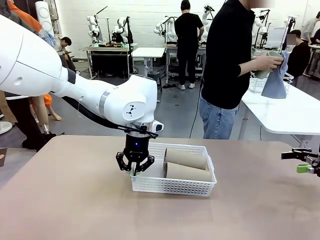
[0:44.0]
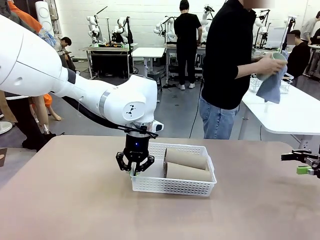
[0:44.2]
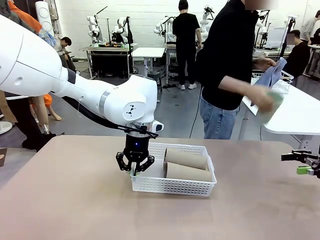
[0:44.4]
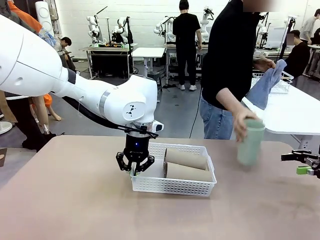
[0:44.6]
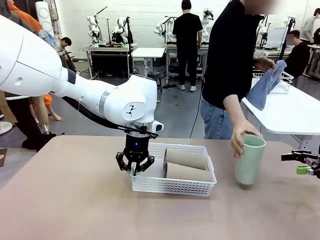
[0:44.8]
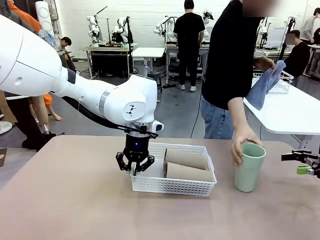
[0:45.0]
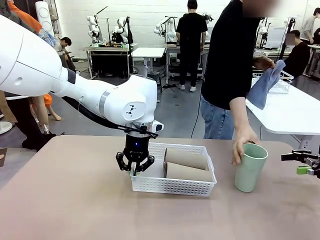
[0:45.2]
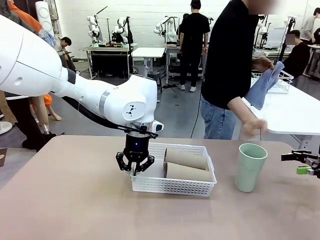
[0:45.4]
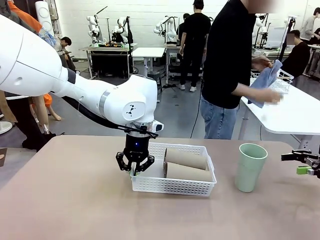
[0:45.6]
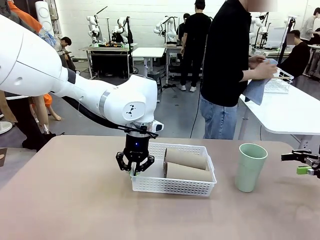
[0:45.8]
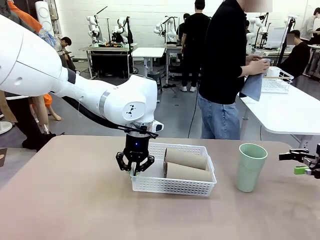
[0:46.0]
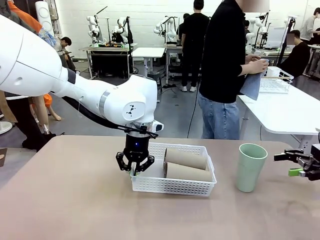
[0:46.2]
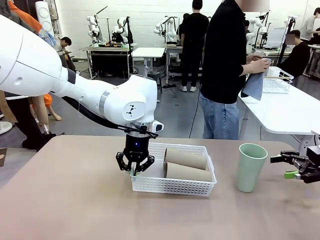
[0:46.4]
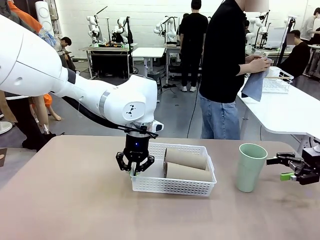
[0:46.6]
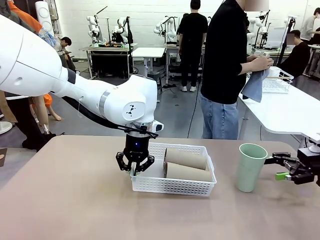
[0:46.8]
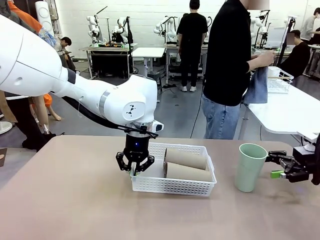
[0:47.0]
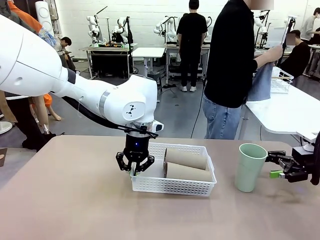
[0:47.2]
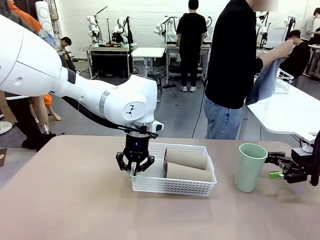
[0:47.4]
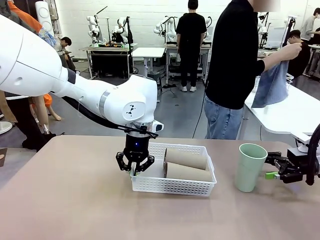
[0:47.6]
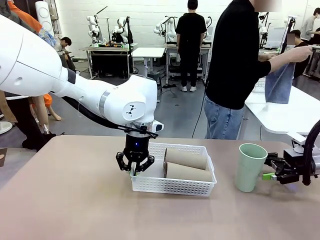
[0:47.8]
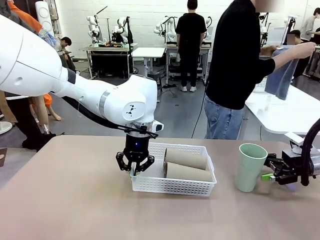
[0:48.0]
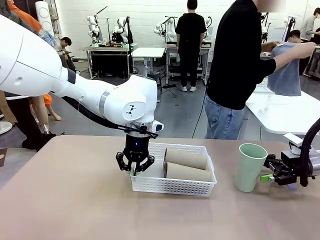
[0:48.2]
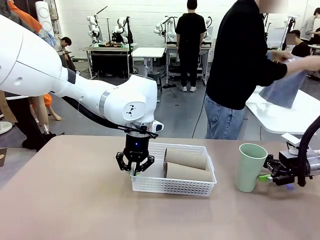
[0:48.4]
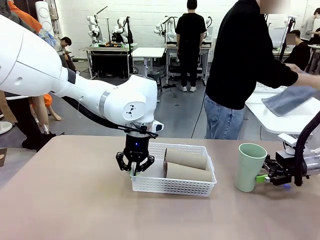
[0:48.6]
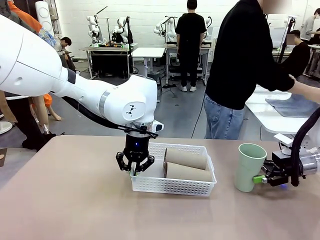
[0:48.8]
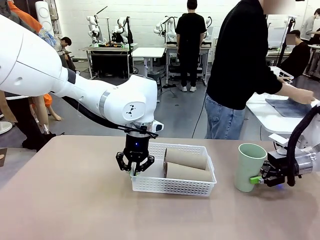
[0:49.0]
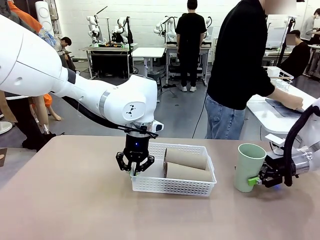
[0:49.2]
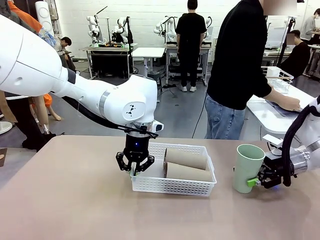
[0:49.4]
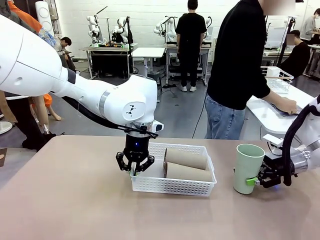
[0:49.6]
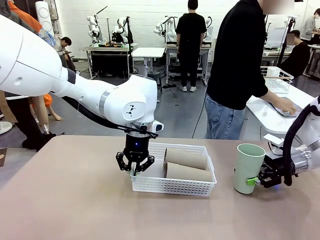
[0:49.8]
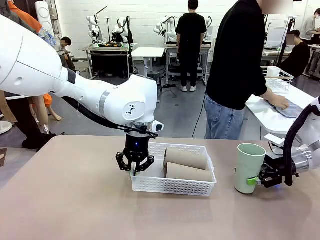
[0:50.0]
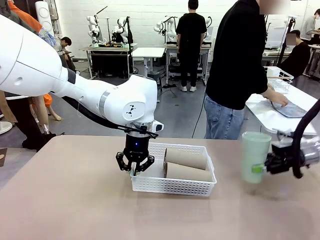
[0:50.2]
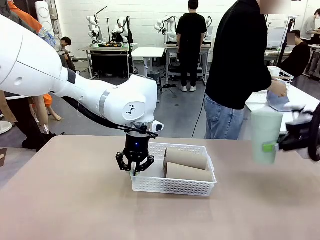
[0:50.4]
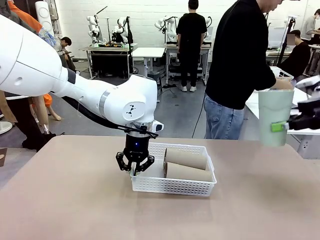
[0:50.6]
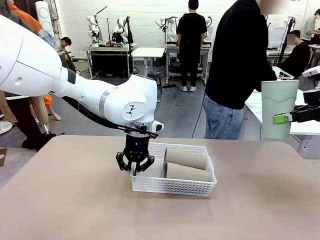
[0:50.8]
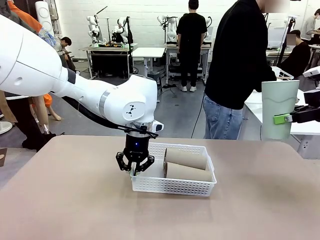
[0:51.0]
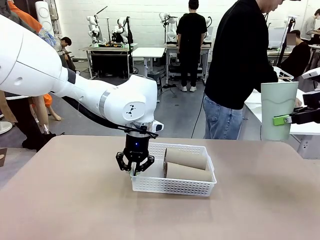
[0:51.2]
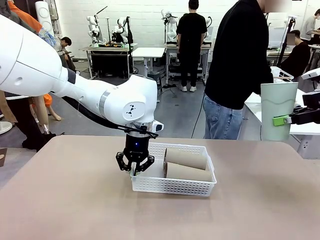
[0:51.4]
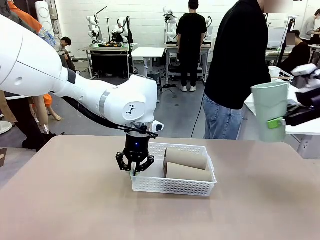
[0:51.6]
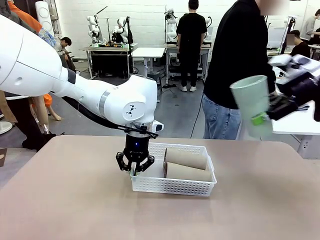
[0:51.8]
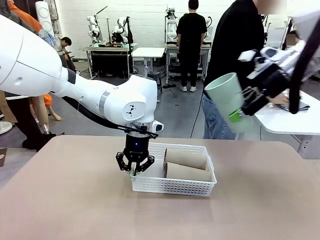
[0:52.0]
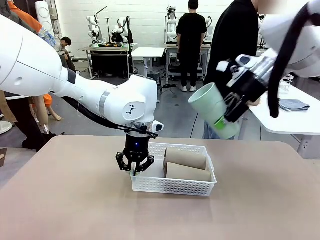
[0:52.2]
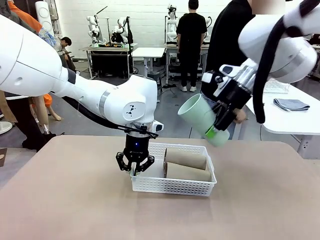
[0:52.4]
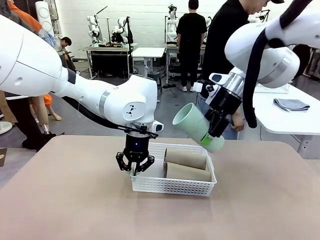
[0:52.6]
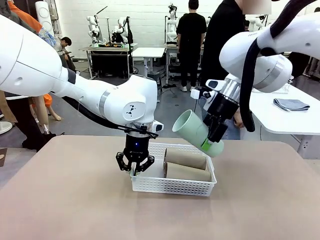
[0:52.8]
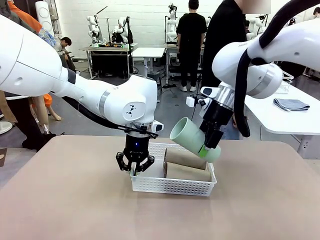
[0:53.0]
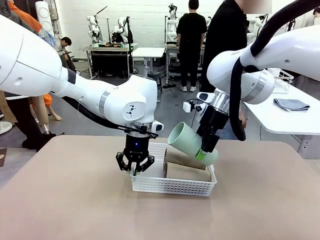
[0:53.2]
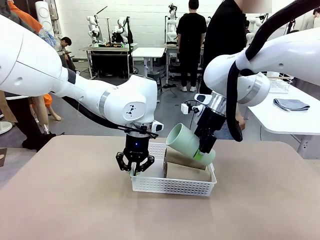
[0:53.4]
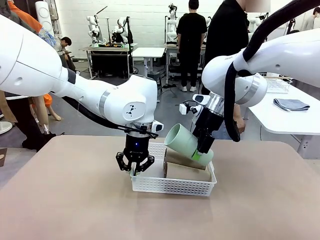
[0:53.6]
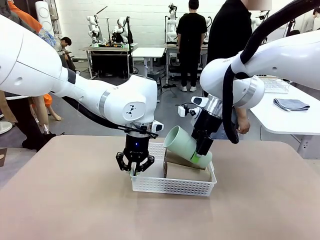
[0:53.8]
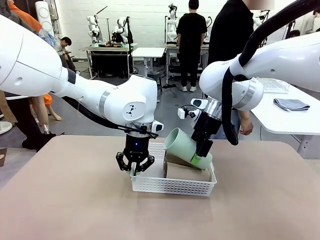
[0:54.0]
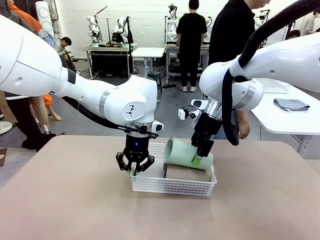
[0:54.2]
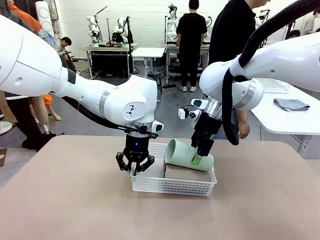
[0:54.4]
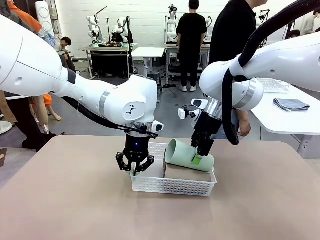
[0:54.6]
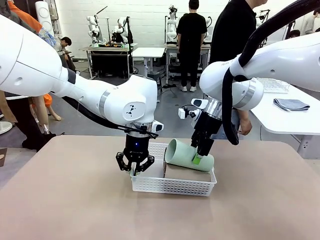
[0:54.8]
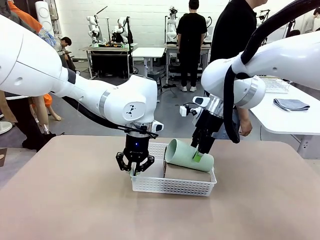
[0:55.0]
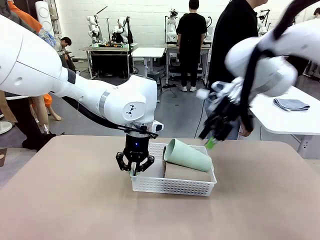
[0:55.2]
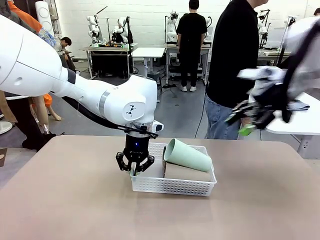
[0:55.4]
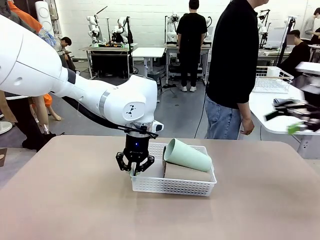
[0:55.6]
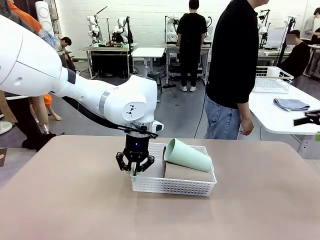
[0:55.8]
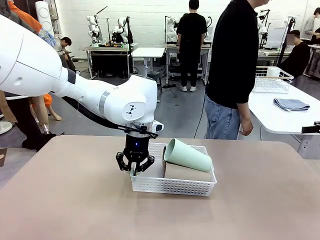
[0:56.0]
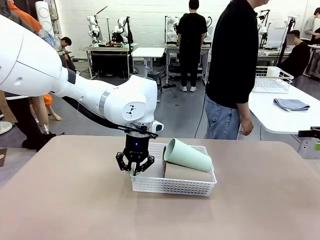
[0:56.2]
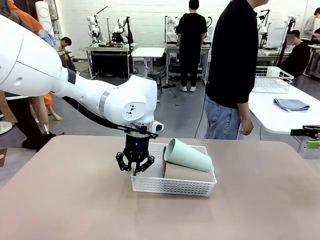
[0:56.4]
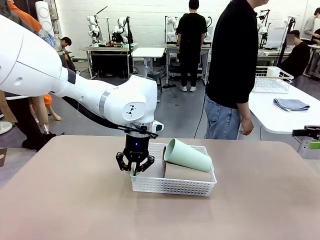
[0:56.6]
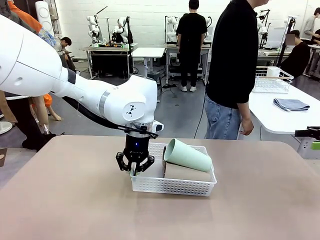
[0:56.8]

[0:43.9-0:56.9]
Task: Clean and organize the cups into the basket.
Robot: Pick up the Reusable plastic cup from the right side of the table and stack it inside the Organizing basket in the center of the table.

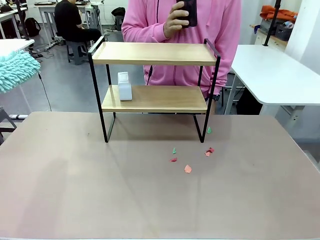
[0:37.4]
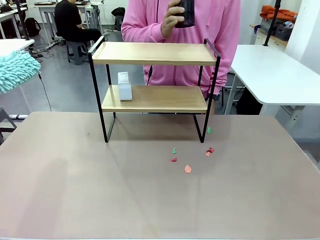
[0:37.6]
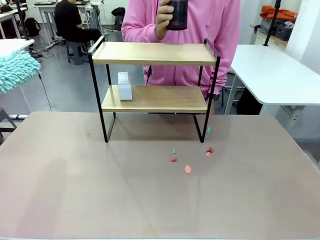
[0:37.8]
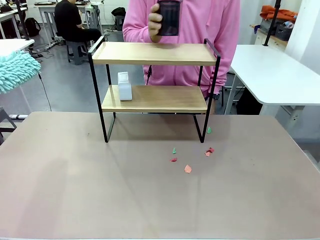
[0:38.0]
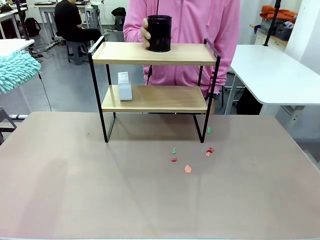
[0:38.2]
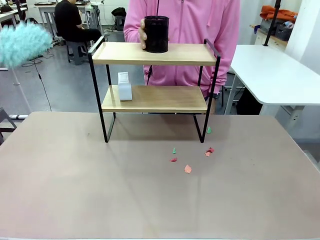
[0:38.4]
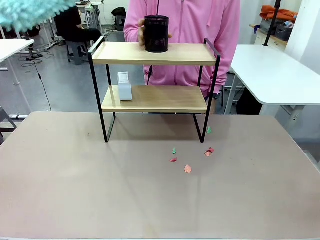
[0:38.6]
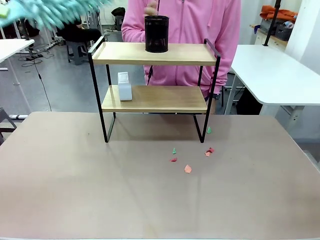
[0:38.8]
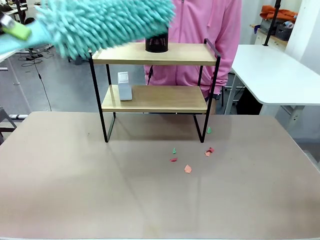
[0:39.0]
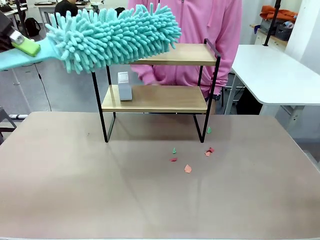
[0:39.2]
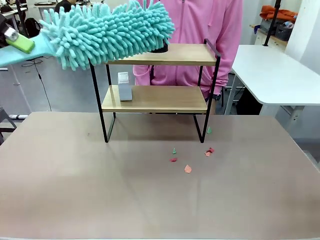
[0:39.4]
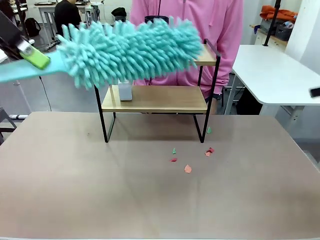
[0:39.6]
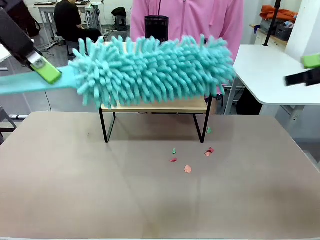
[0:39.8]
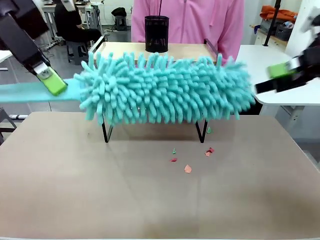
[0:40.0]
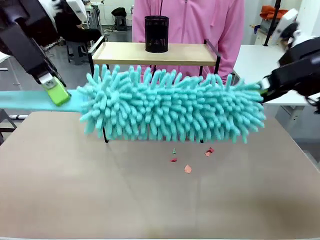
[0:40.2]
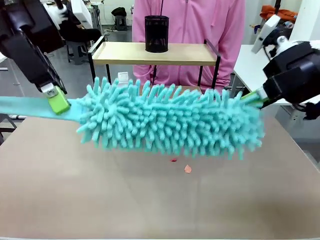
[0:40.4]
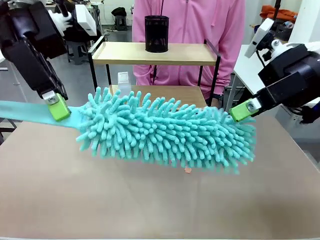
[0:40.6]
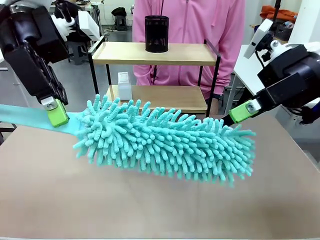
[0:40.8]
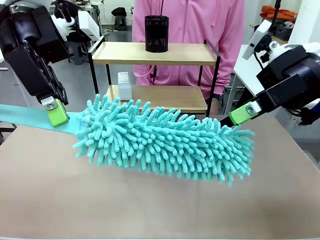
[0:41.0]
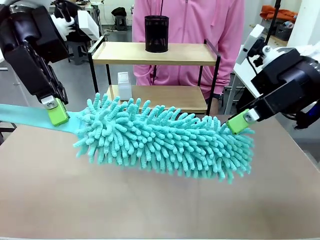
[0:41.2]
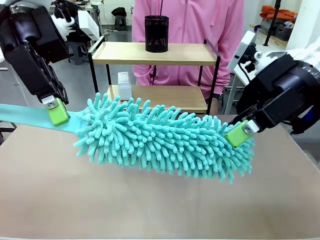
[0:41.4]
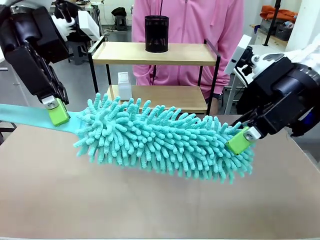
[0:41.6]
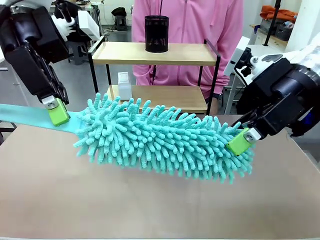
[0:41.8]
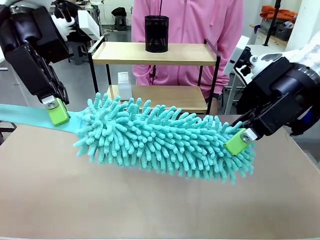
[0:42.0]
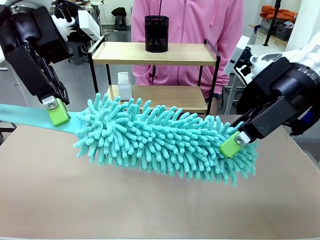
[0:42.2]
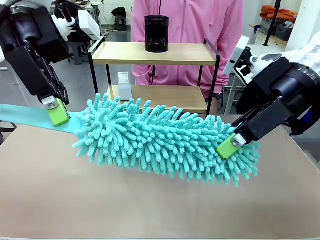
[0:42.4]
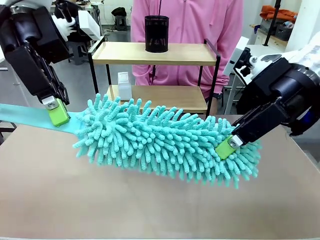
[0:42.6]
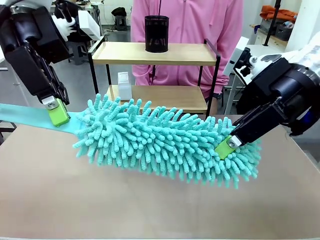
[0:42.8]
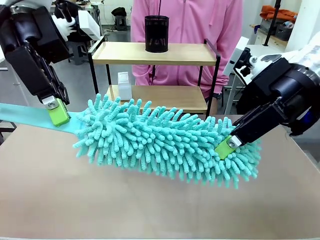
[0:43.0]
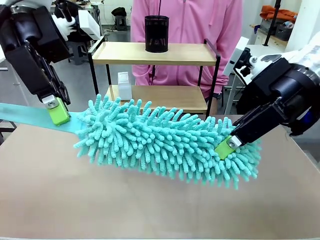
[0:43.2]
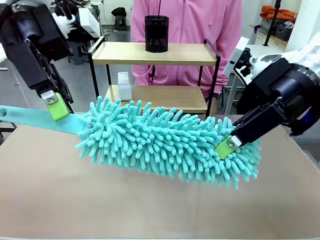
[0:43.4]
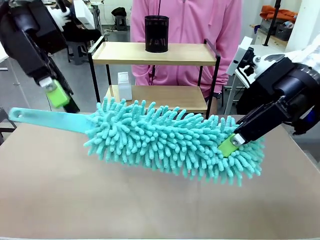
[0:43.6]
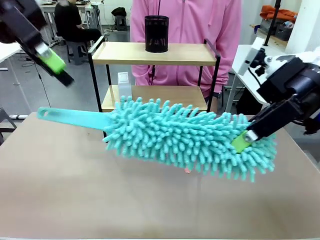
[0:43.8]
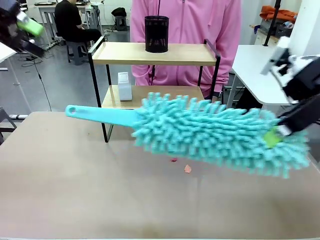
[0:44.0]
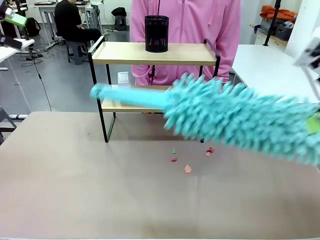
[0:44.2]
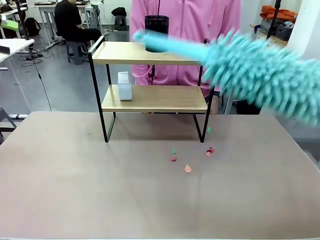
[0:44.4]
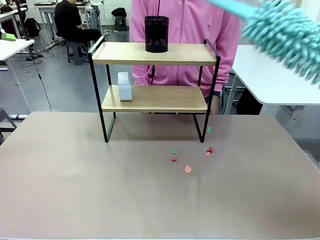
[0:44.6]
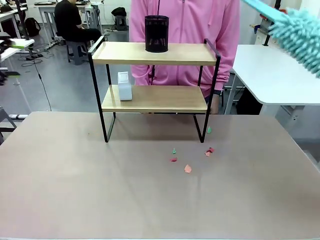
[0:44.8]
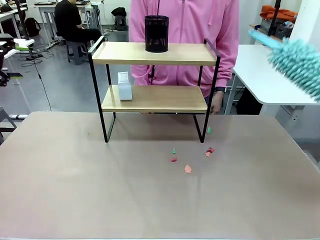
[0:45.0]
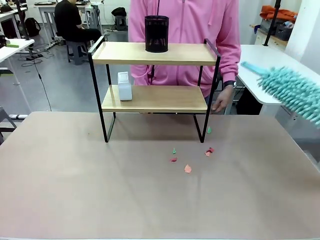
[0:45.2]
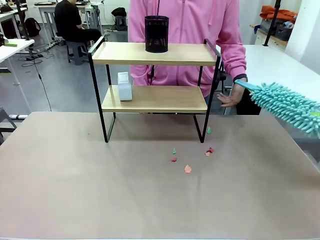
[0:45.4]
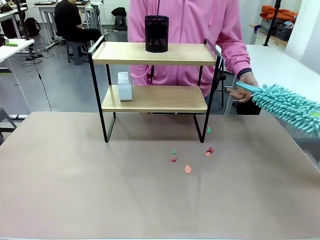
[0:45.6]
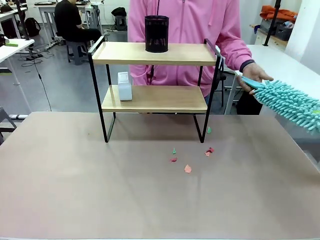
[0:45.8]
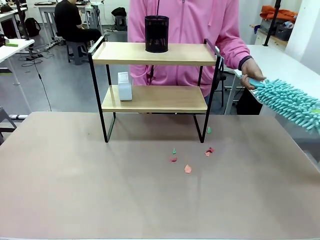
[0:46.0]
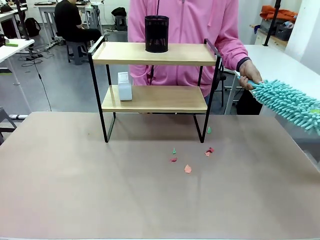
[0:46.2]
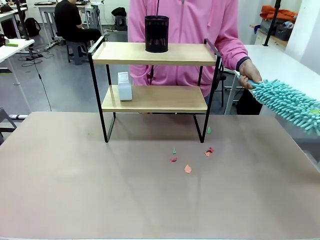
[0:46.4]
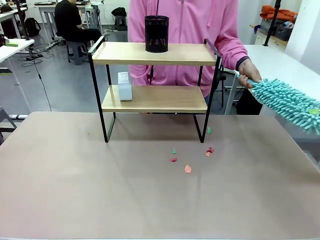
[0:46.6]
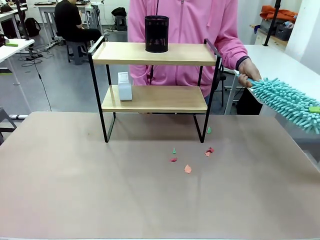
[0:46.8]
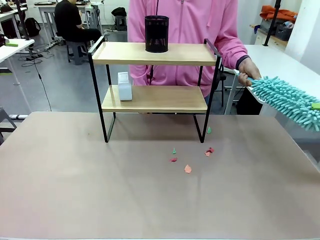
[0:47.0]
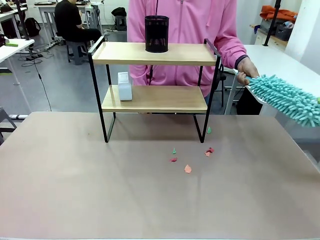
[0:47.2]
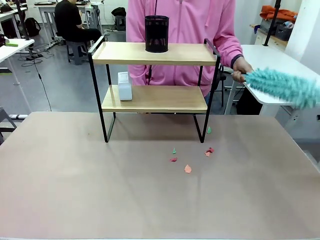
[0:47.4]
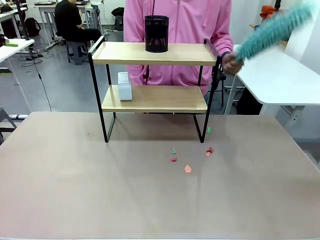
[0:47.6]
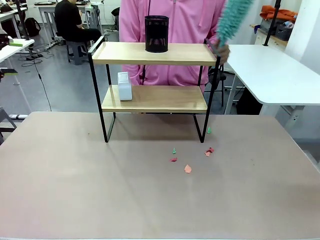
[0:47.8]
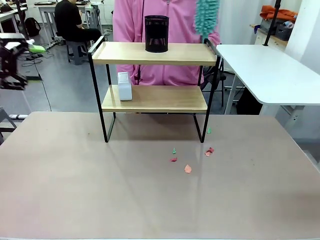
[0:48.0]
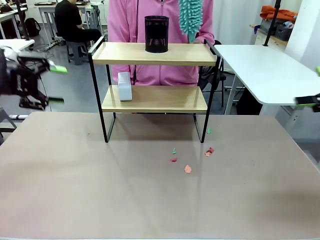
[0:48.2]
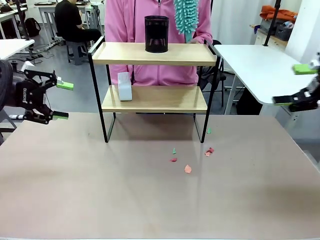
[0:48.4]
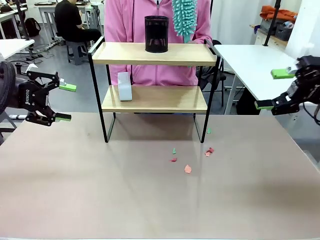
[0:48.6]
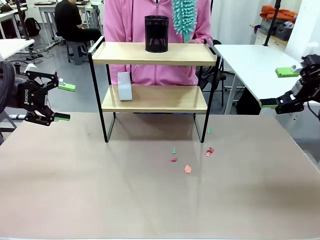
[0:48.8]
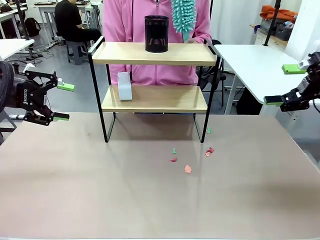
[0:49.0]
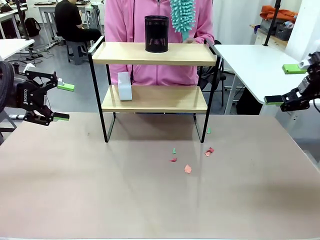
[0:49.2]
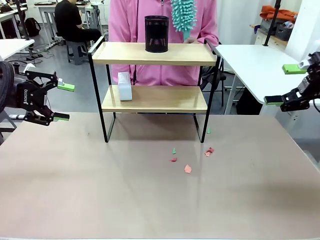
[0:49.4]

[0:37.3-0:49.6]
Task: Clean the shelf.
Robot: Hand the Duster back to the human.
Person: Receive the Duster from the robot.
